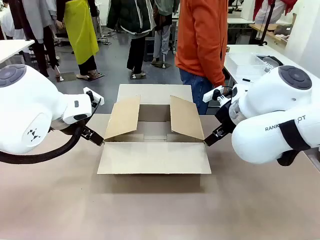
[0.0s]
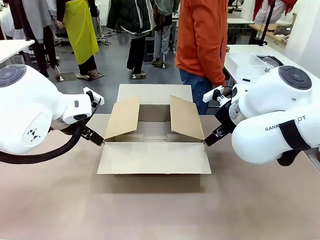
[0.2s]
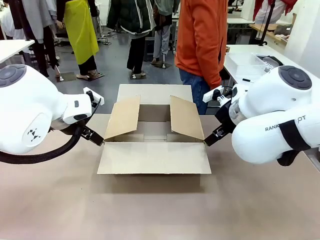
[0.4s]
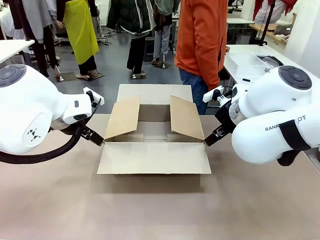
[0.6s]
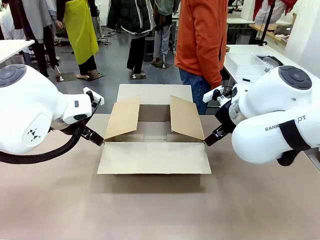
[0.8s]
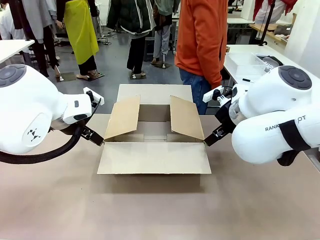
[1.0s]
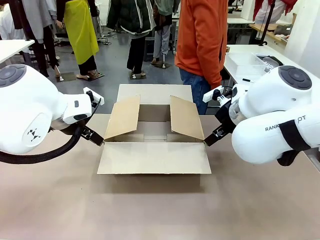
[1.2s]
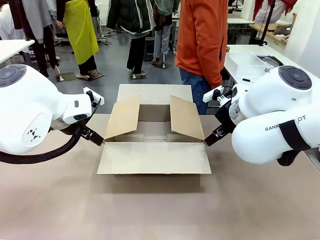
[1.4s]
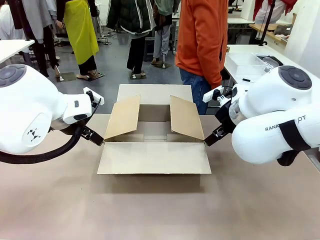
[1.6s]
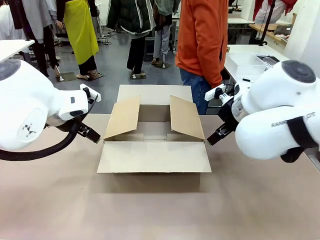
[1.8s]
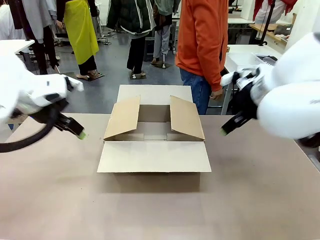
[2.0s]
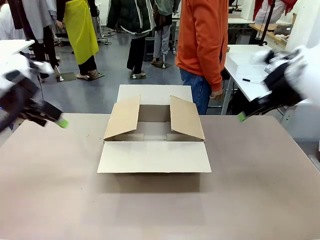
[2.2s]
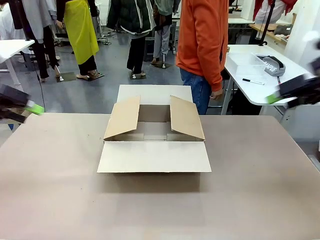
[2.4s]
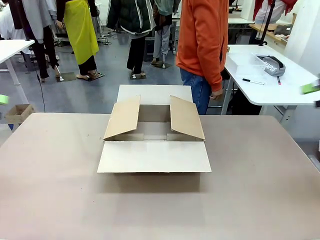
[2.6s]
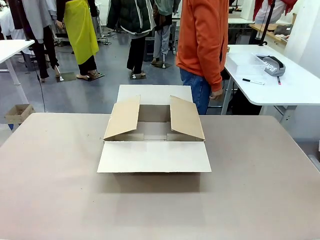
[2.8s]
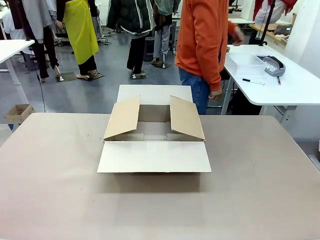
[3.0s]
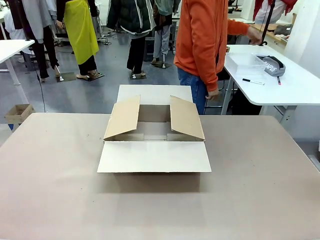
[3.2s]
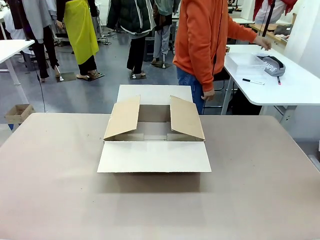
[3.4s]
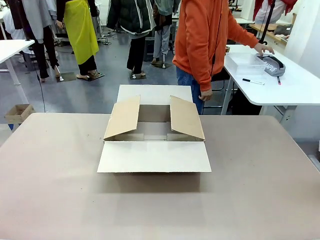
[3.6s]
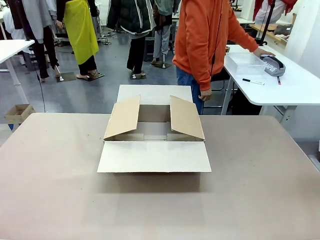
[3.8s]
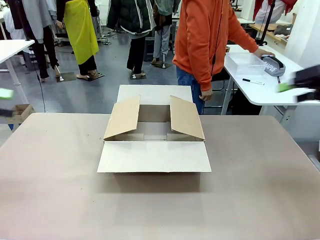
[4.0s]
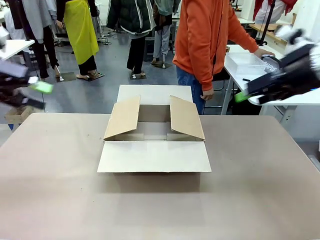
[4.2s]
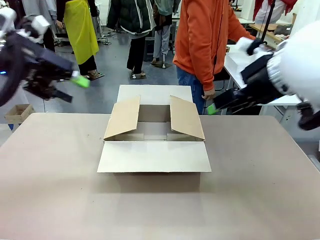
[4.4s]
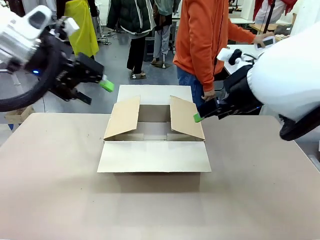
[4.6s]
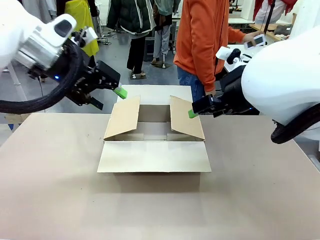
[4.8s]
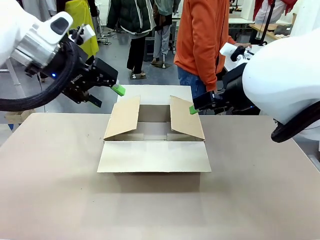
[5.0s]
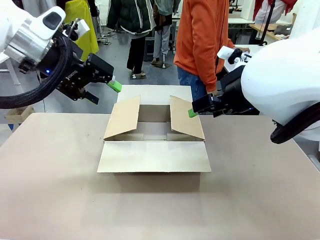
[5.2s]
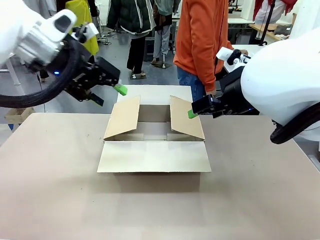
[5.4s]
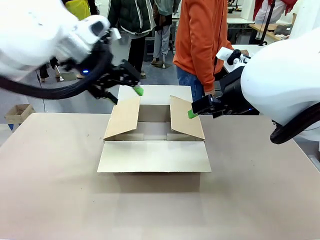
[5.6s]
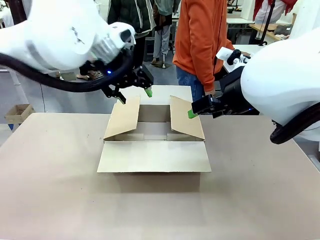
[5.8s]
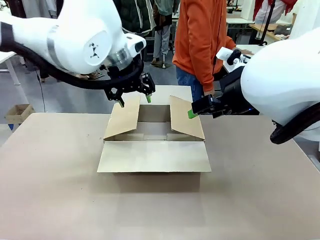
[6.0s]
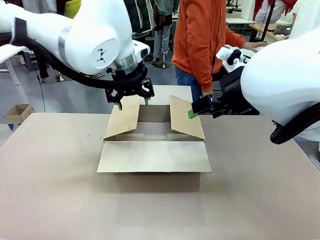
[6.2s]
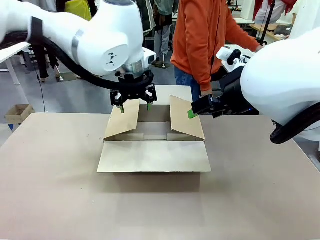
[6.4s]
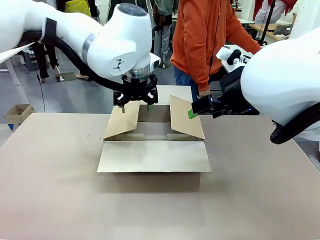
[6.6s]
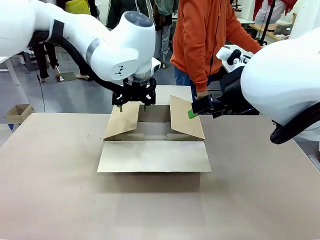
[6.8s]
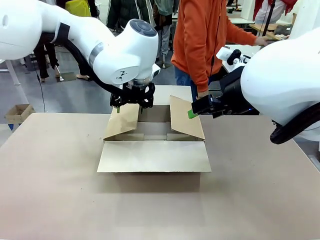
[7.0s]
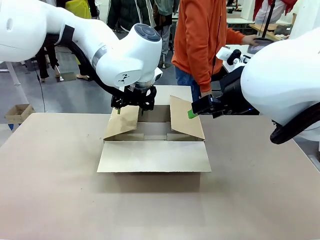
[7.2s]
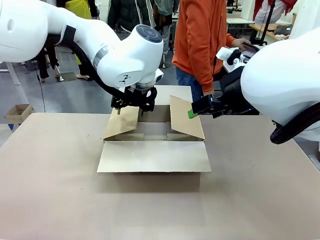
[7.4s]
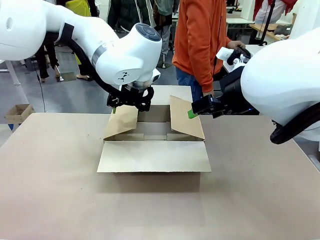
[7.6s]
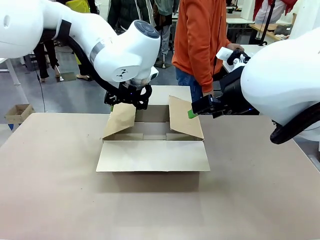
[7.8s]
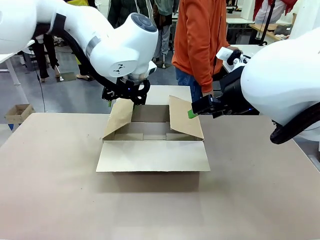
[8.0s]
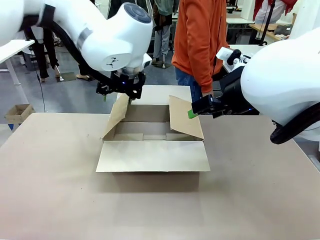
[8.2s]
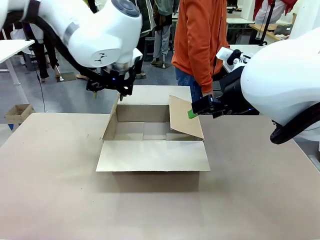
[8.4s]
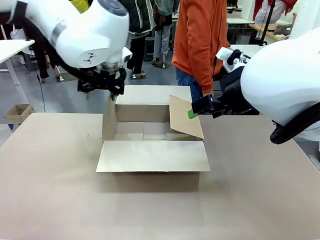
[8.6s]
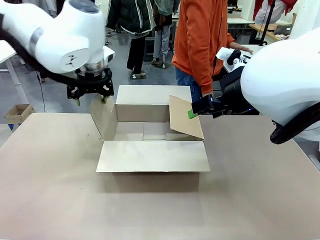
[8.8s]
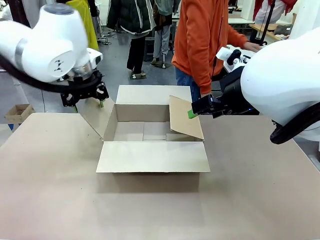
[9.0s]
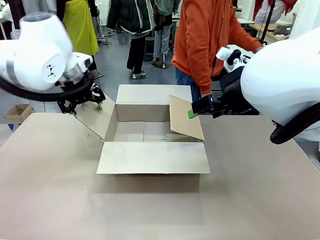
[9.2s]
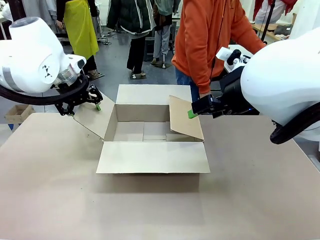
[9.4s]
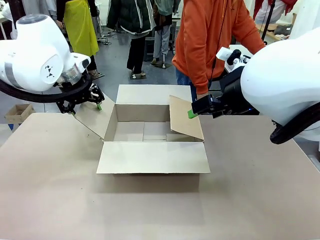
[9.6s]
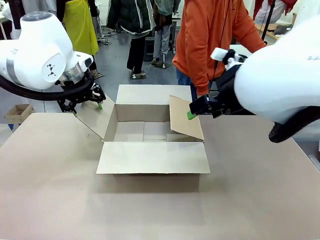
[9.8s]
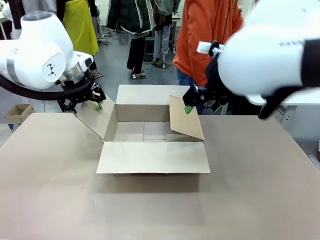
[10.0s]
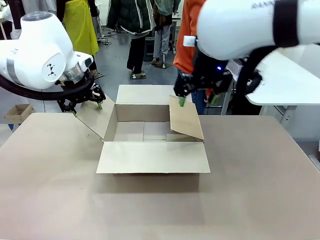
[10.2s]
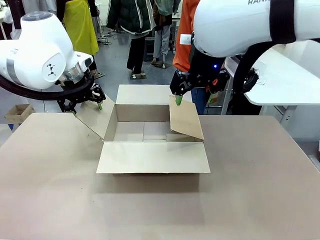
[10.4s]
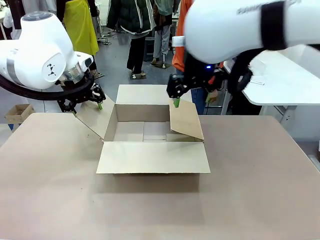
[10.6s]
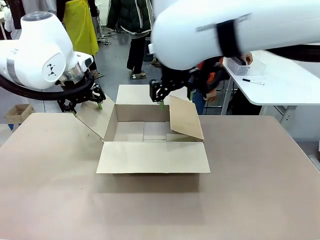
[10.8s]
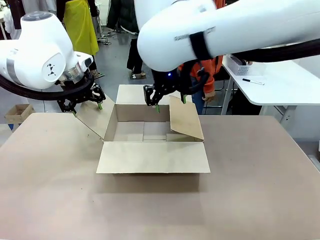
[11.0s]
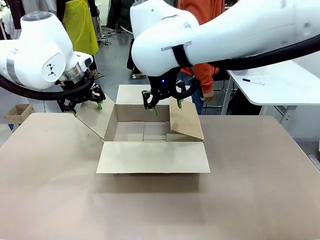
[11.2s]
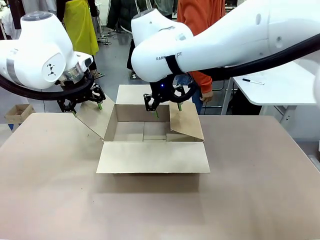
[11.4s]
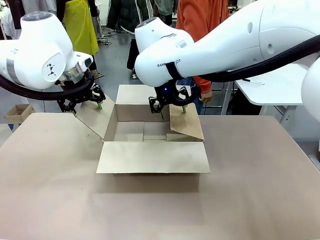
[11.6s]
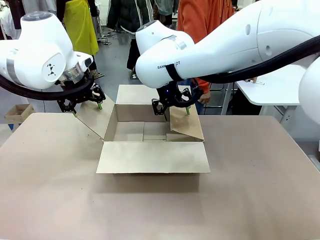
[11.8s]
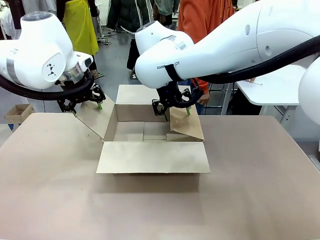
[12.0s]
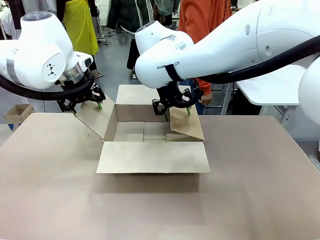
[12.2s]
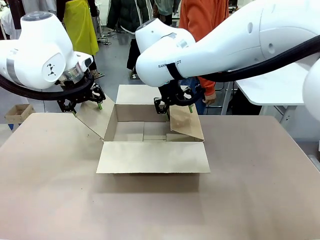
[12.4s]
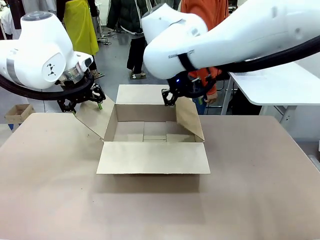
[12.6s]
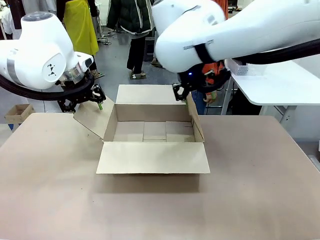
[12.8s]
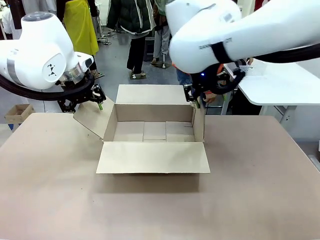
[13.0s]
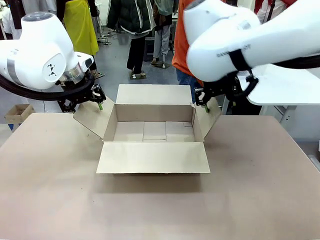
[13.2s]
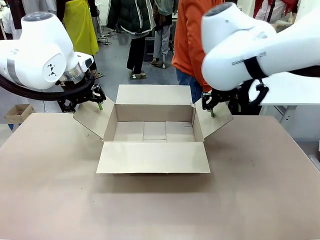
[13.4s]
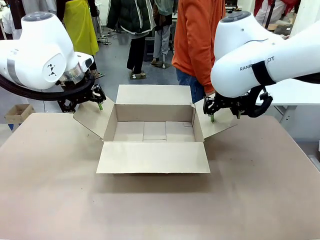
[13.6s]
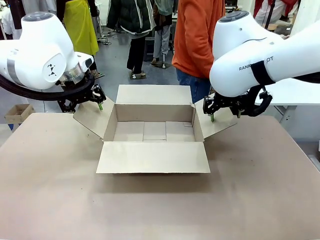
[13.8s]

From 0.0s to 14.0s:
Task: Pack the gift set into the box.
Robot: Place both hands on the side flaps of the Package Box and spread them outward.
Person: The human places all items except the paper tape into the organizing basket.

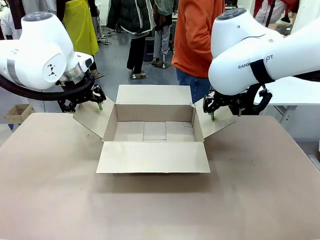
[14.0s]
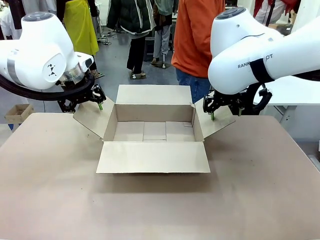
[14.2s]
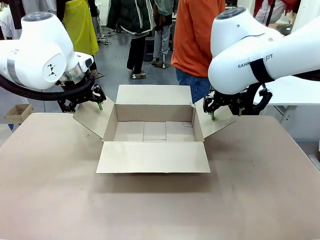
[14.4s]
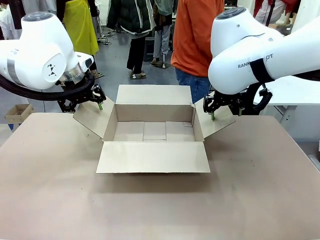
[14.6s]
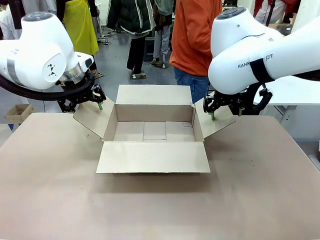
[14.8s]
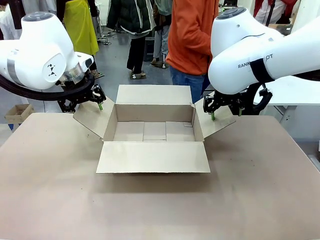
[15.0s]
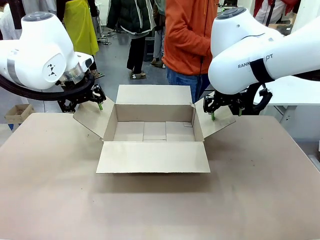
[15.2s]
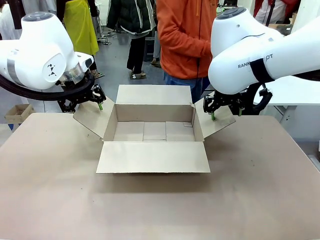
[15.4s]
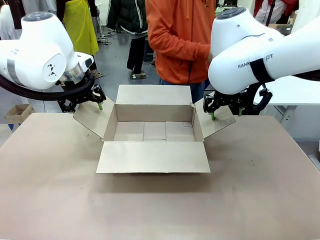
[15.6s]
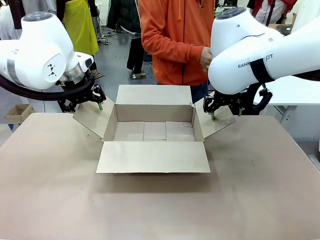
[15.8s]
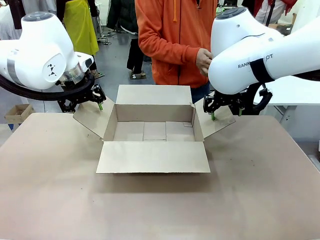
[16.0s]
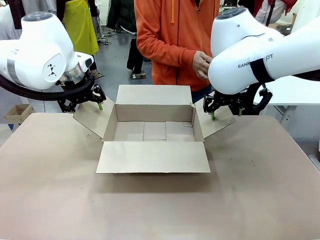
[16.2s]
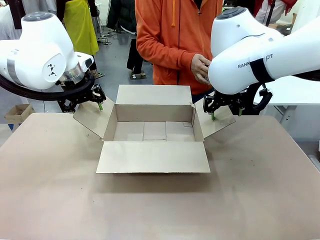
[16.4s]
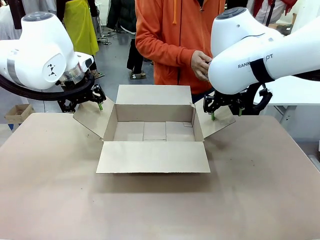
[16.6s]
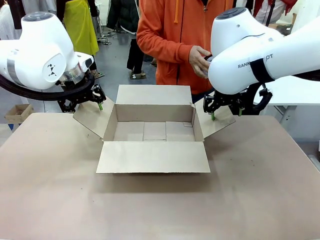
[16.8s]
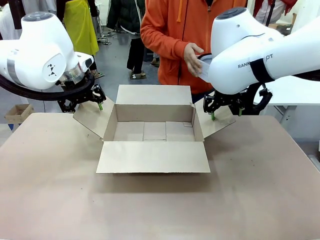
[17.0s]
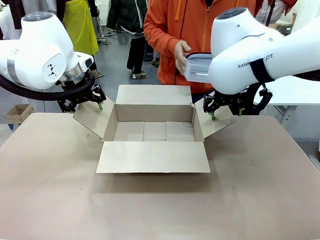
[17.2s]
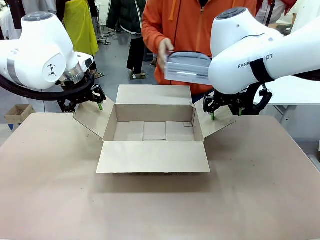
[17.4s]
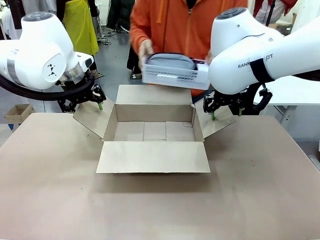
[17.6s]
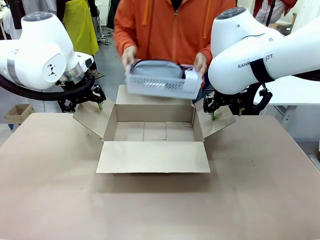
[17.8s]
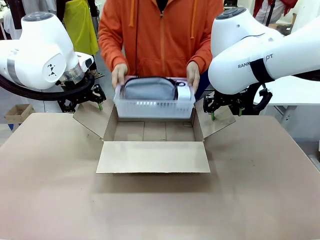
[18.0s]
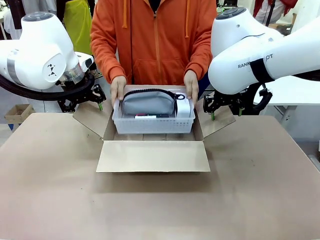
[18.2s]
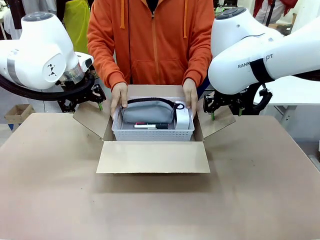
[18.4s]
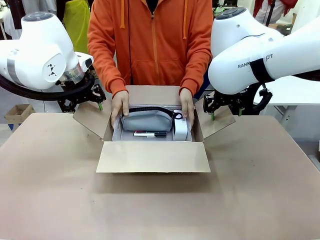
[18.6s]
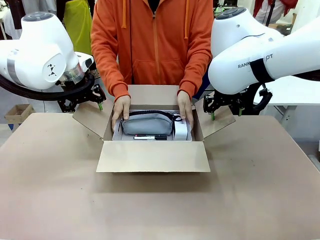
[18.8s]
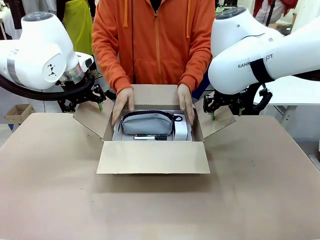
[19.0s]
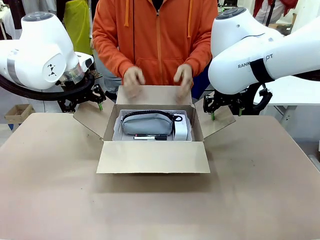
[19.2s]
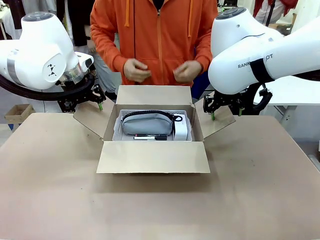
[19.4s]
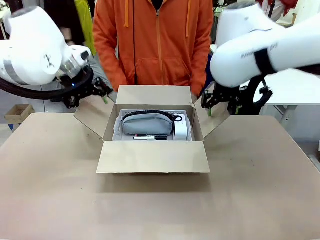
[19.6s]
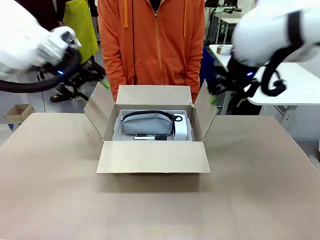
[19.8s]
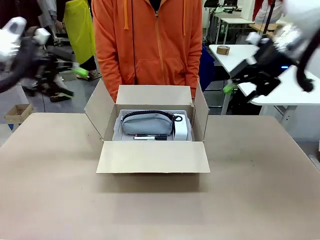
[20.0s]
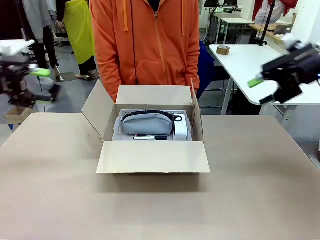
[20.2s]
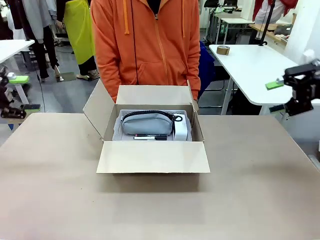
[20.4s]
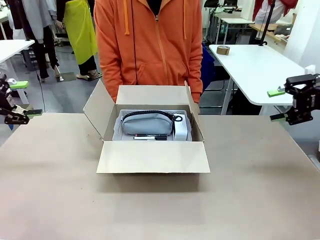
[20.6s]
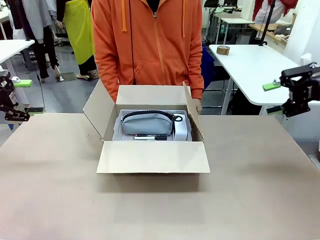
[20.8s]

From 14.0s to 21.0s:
Robot: Lift both hands away from the flaps of the Package Box.
Person: The human picks up the organizing basket and places the organizing basket into the package box on the robot table.
